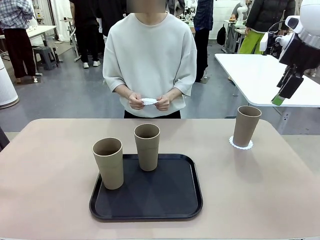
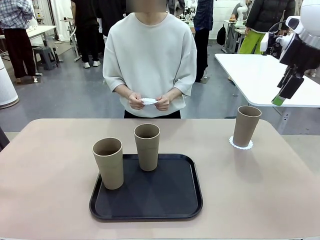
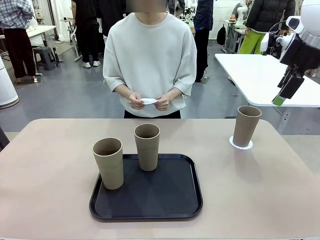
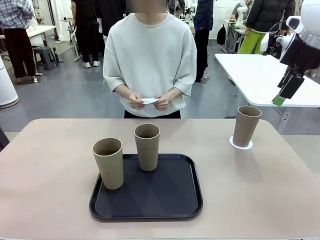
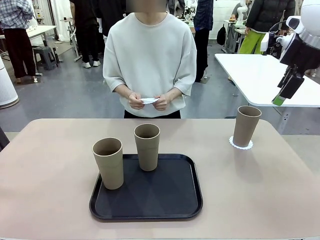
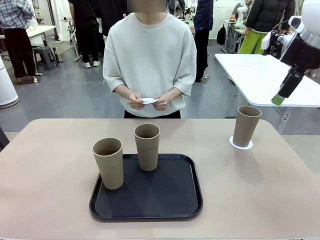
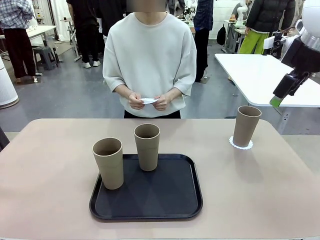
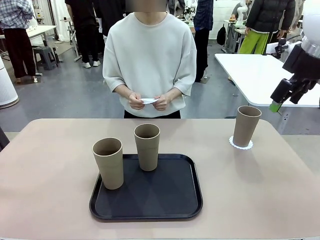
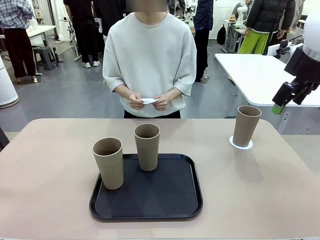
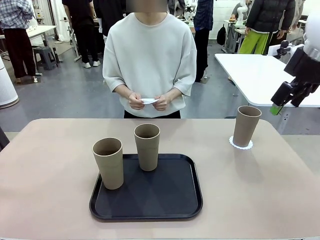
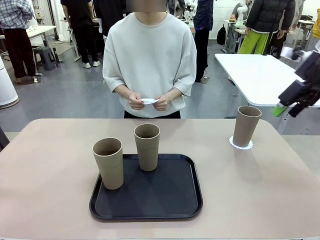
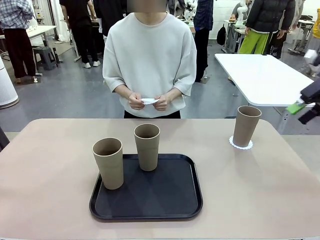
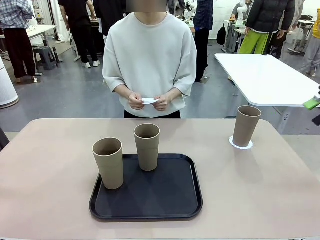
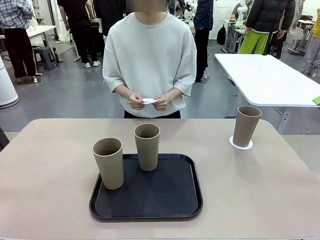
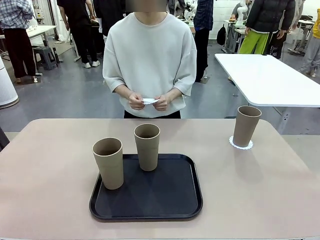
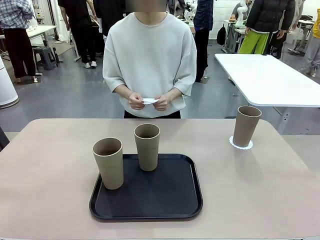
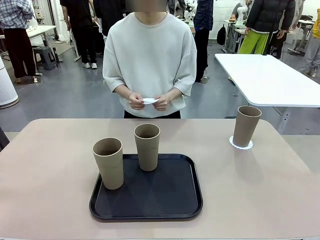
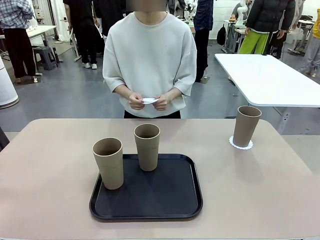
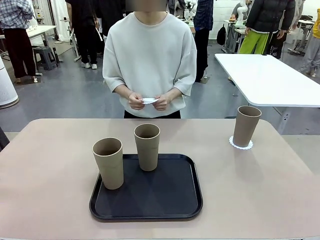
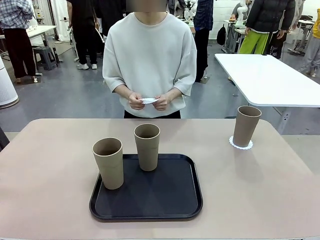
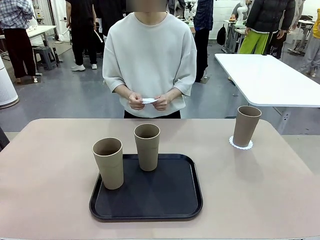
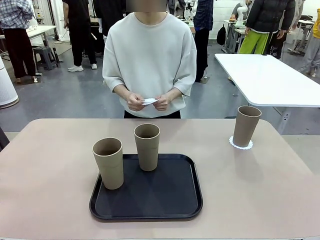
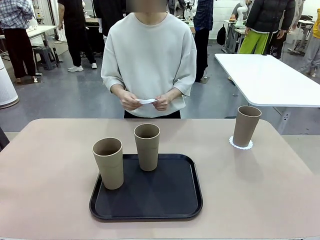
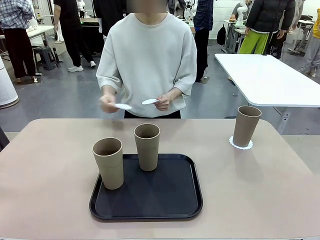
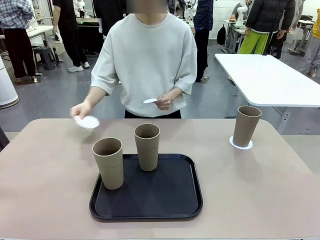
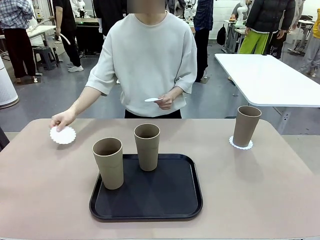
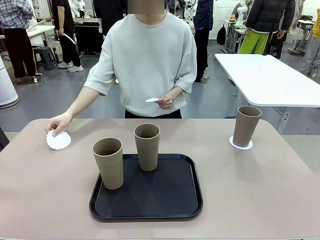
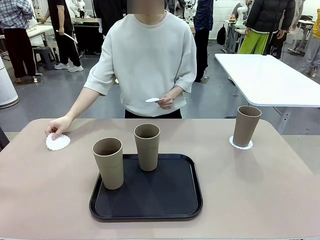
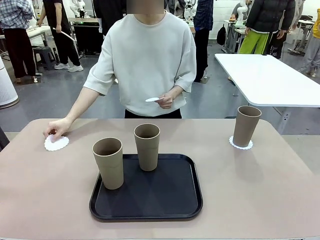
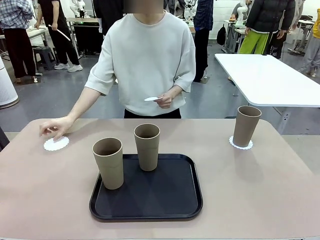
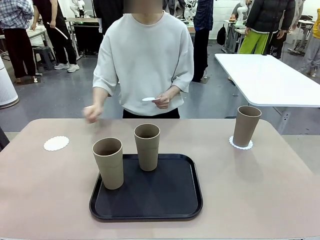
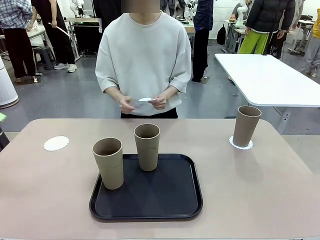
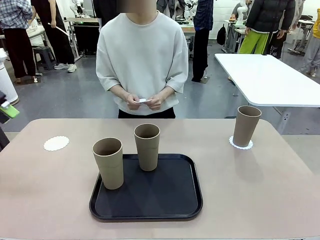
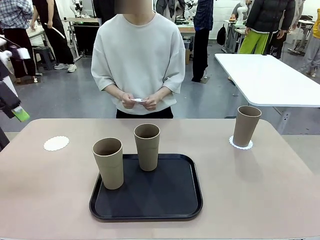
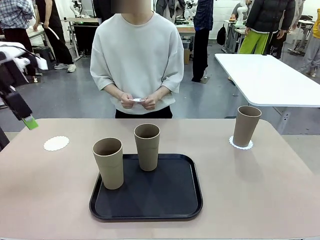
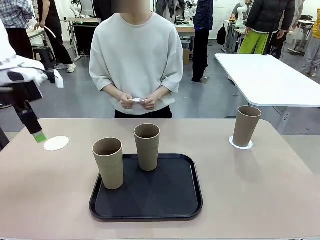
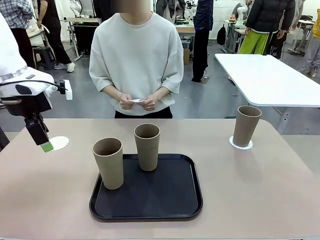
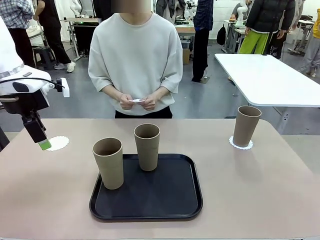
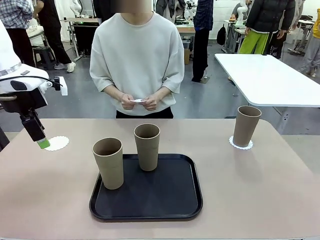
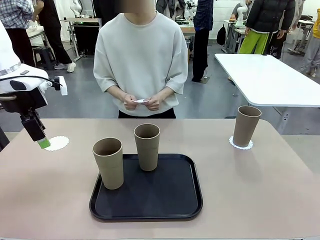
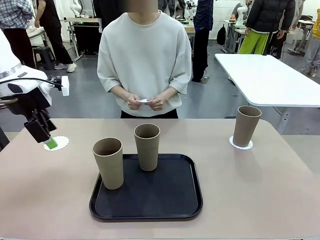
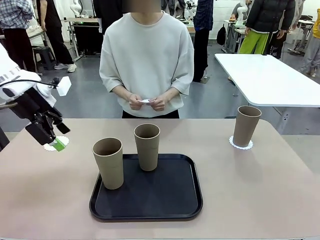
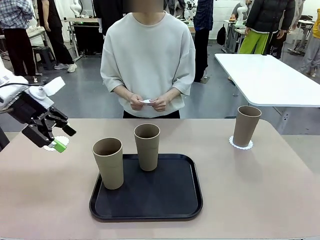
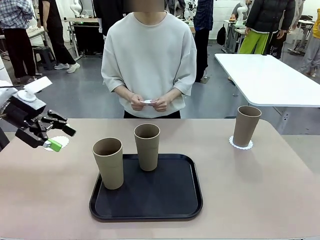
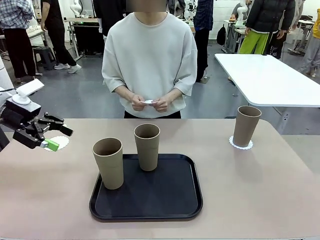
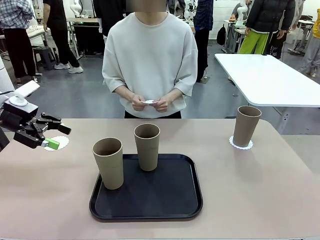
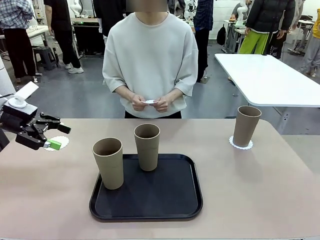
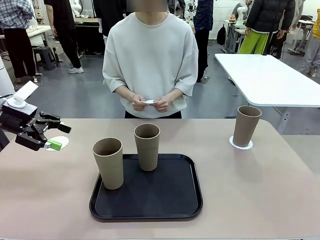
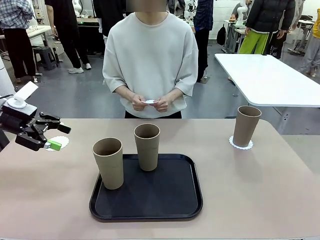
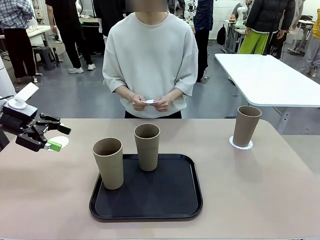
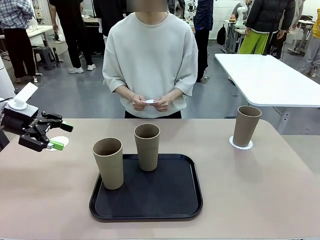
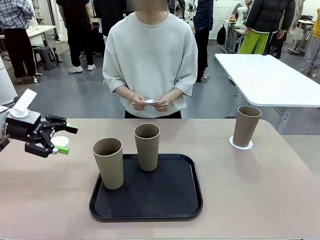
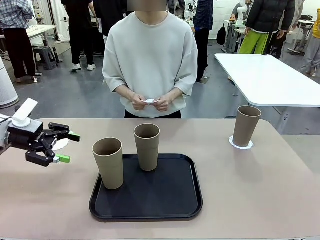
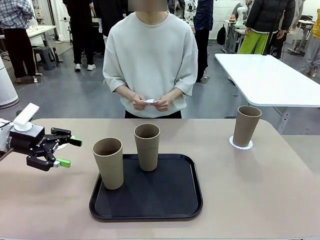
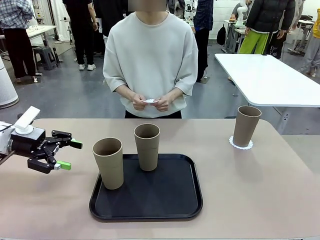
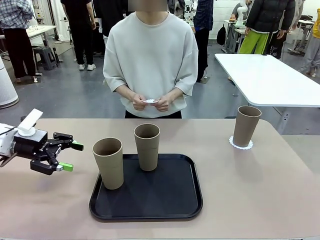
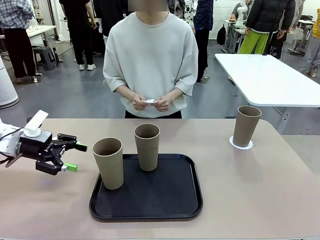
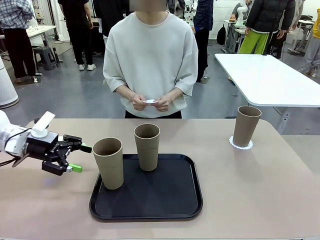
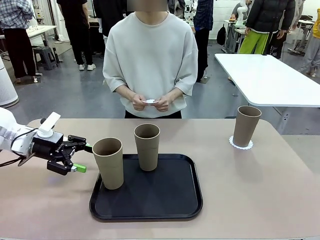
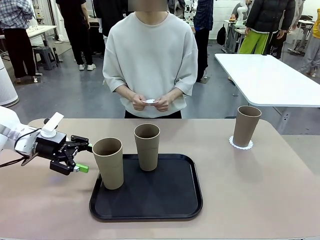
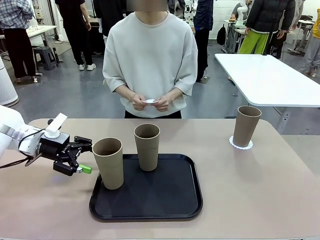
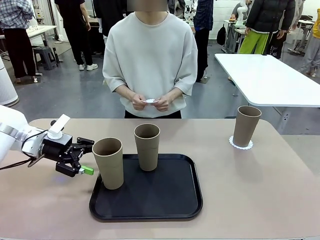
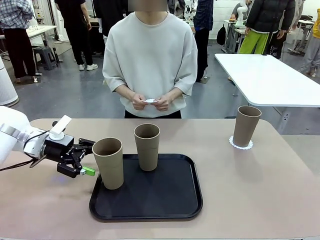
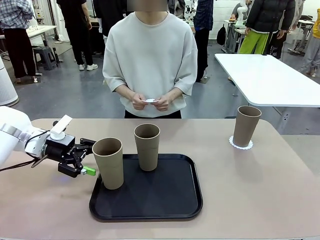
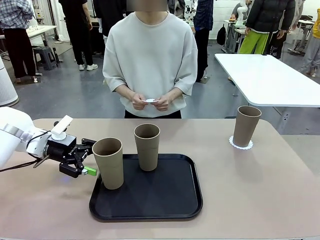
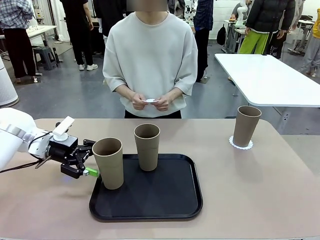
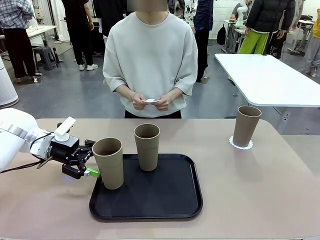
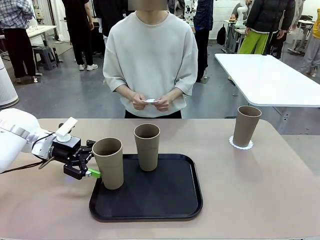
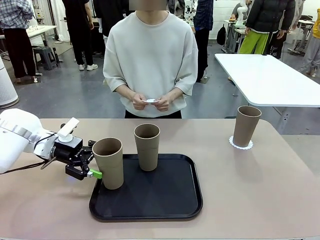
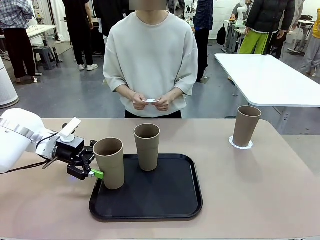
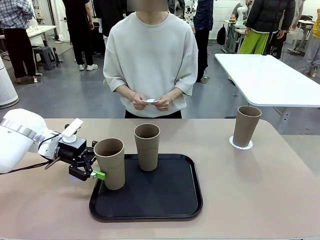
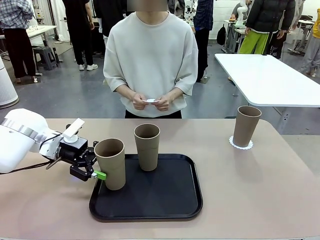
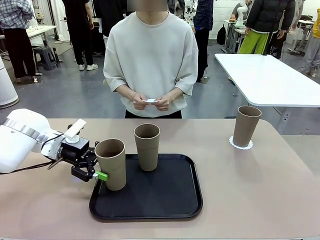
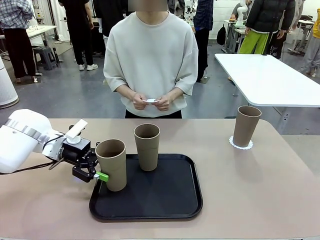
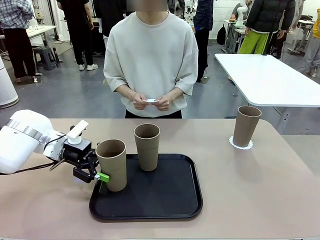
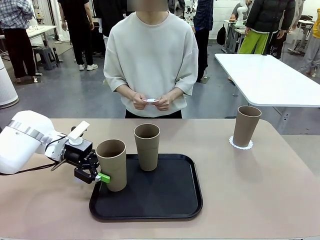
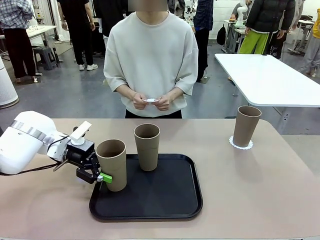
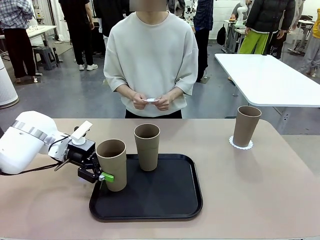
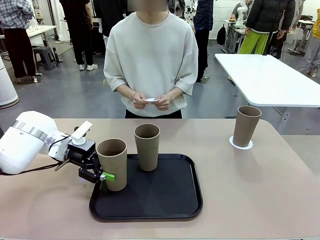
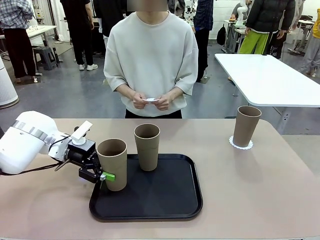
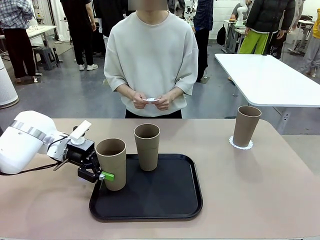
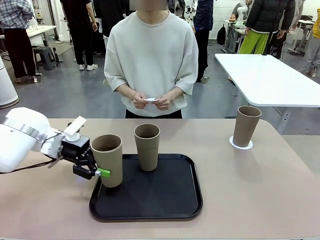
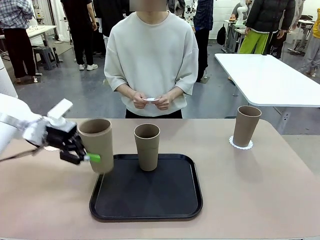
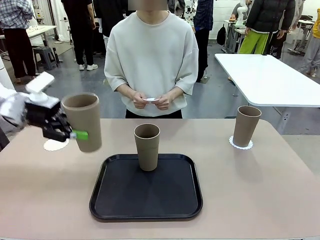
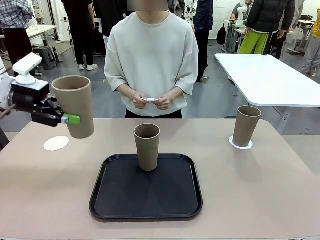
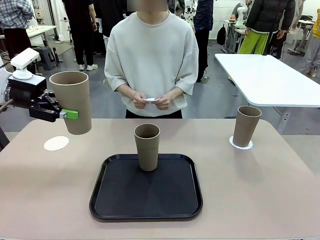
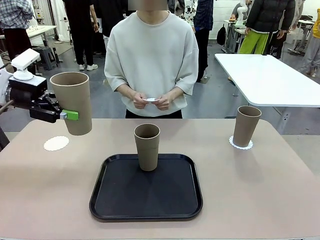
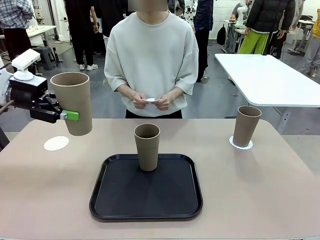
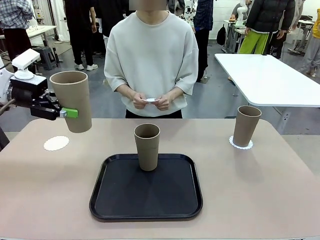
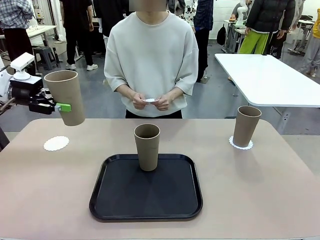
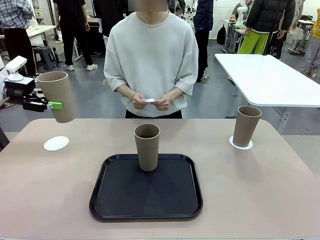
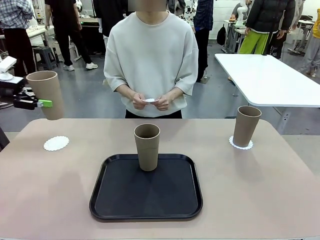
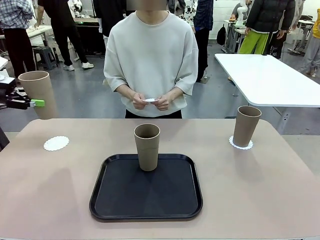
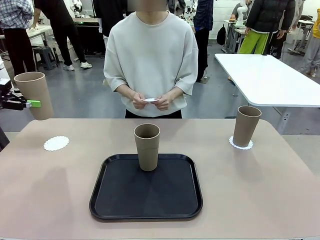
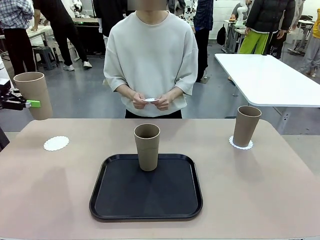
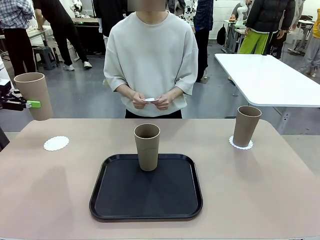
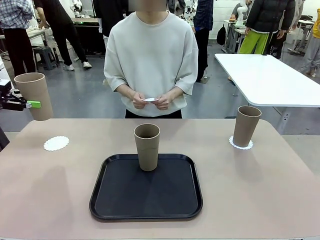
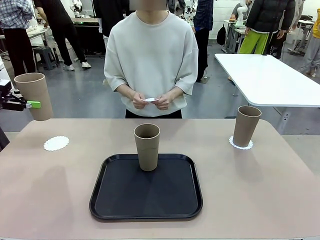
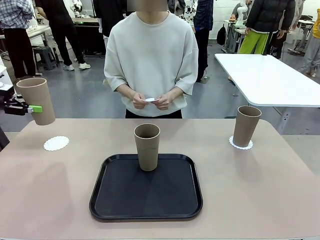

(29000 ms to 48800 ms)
Task: Place coasters on the table and set cups on them.
Robot: Take one Reusable plastic cup from the Flat Tray and place it on a coaster set by the human.
